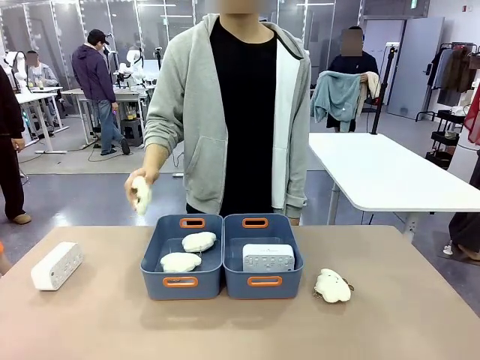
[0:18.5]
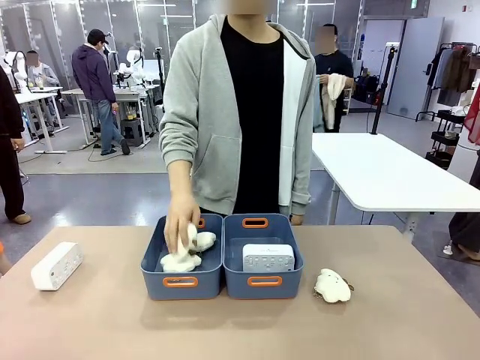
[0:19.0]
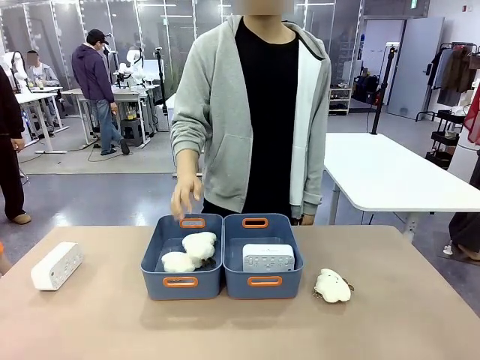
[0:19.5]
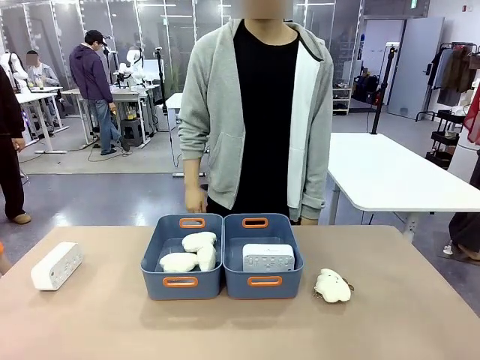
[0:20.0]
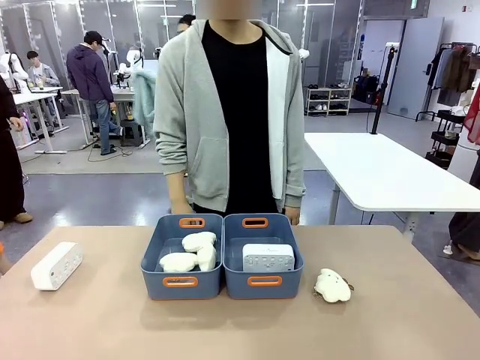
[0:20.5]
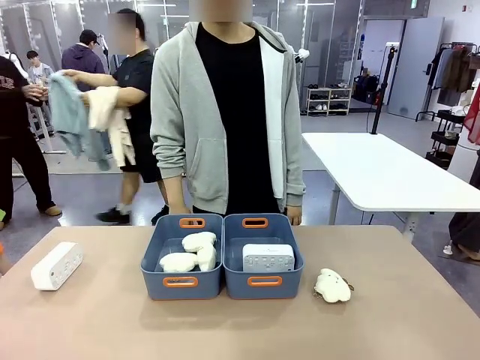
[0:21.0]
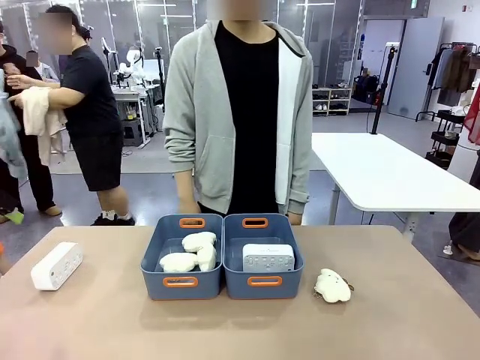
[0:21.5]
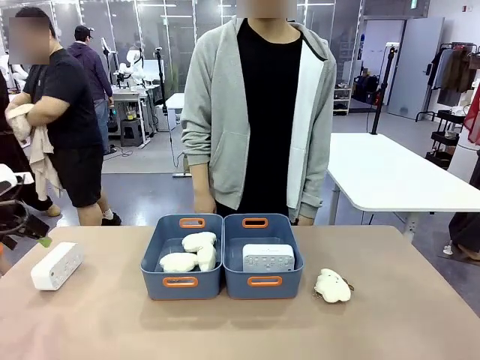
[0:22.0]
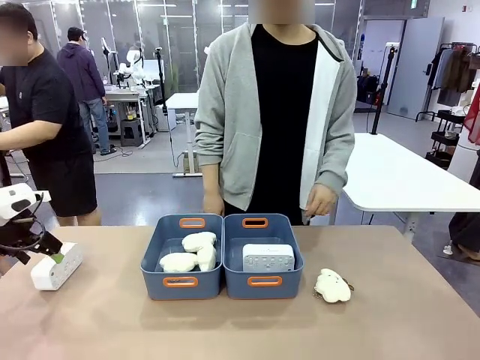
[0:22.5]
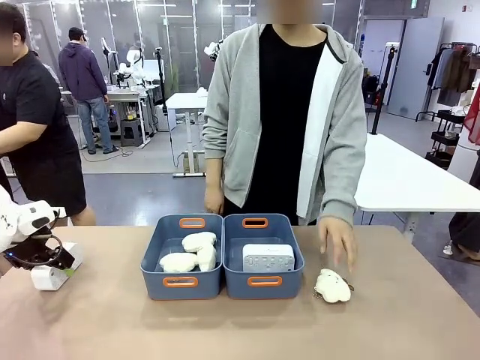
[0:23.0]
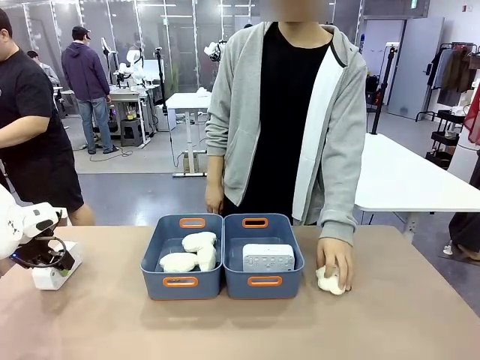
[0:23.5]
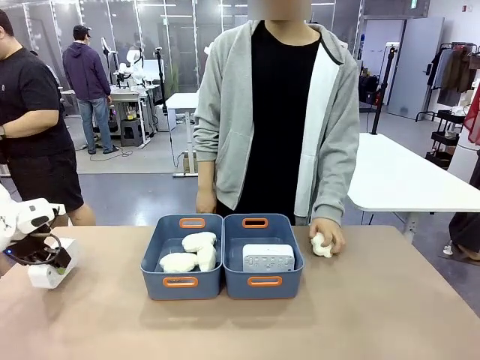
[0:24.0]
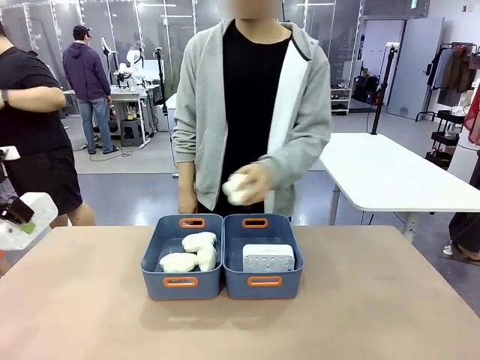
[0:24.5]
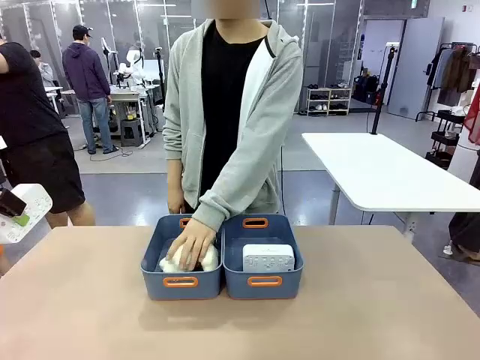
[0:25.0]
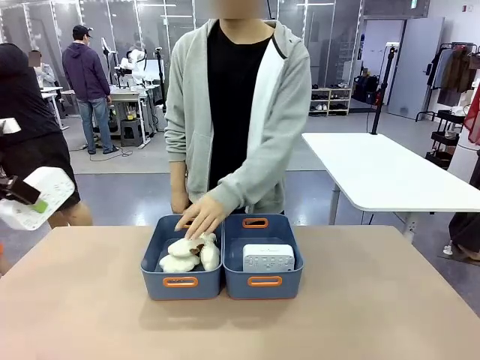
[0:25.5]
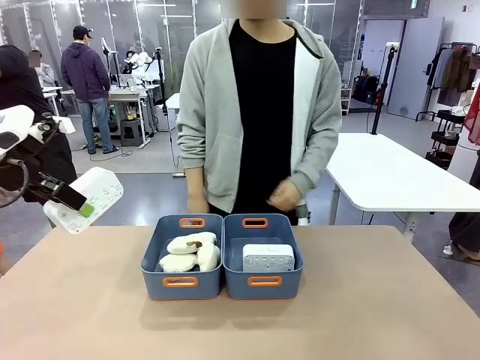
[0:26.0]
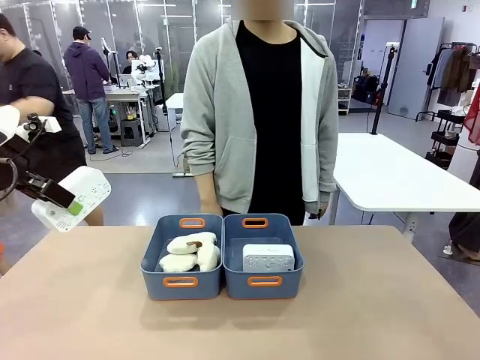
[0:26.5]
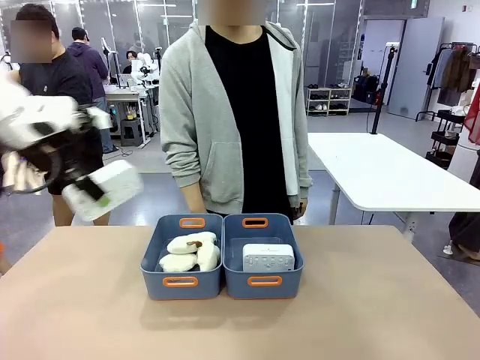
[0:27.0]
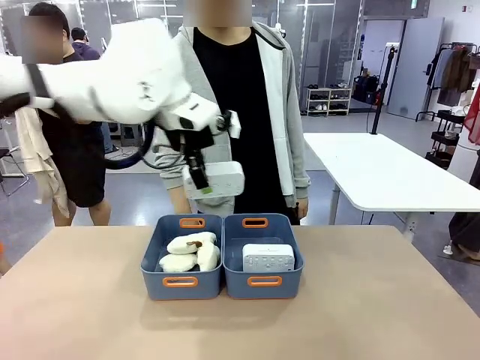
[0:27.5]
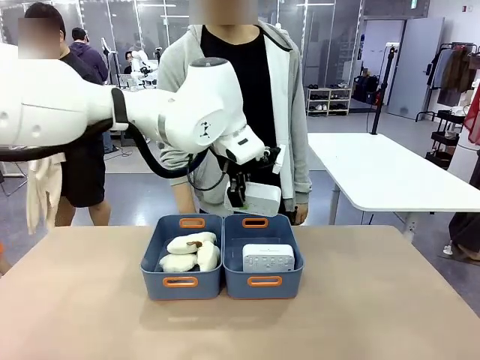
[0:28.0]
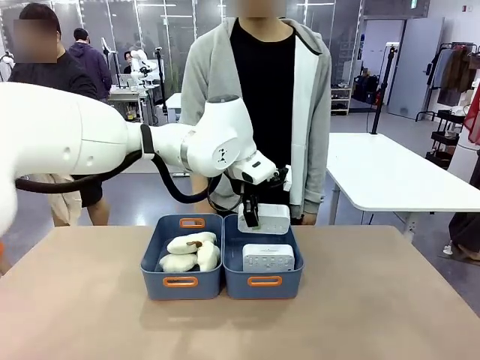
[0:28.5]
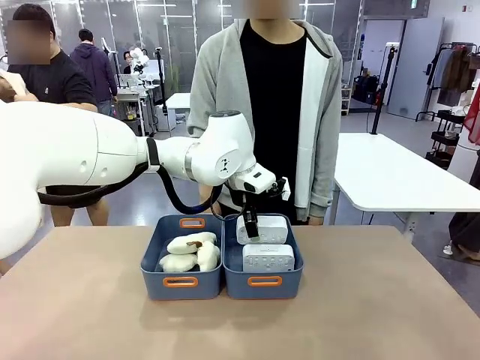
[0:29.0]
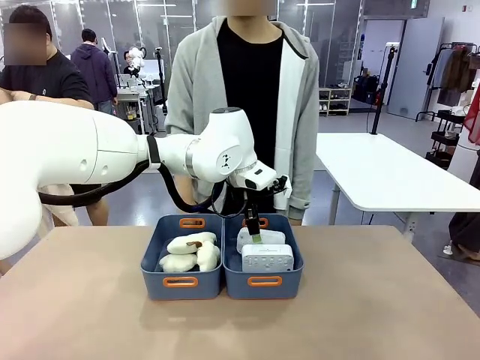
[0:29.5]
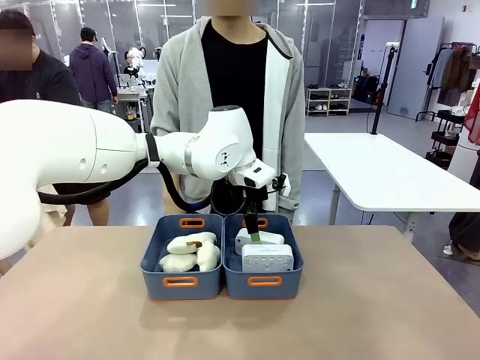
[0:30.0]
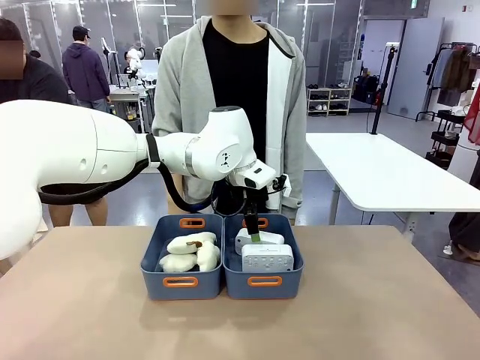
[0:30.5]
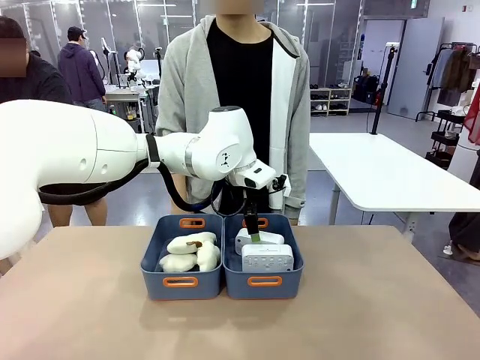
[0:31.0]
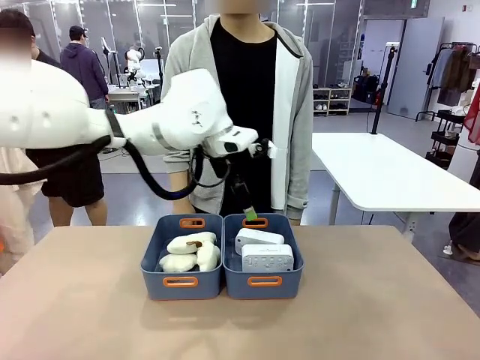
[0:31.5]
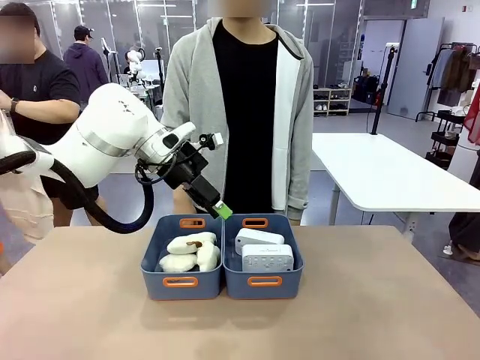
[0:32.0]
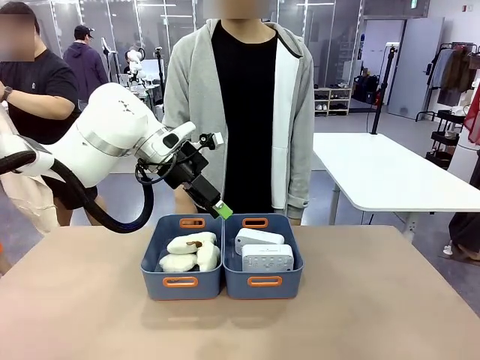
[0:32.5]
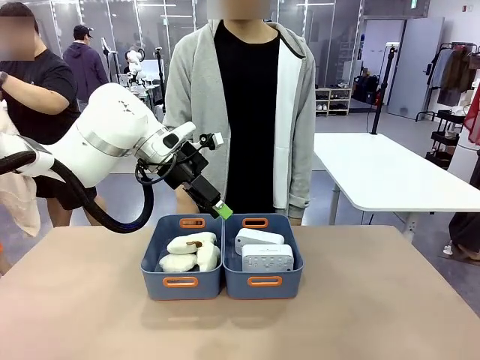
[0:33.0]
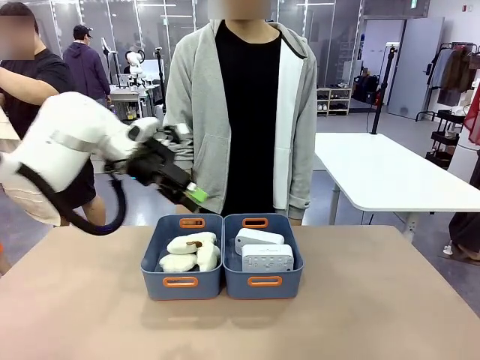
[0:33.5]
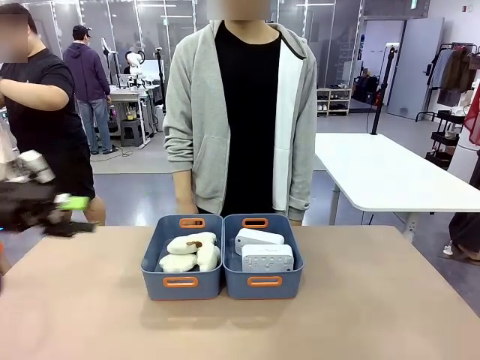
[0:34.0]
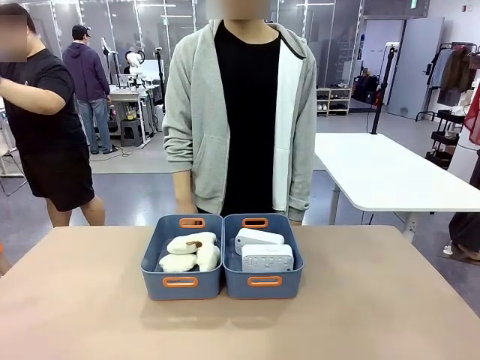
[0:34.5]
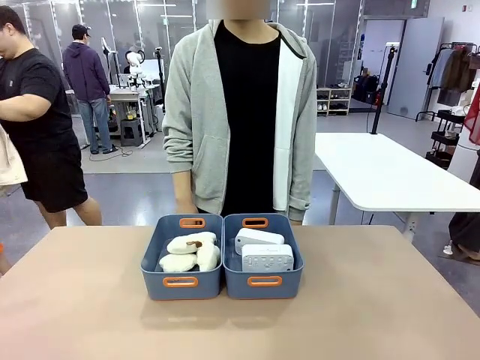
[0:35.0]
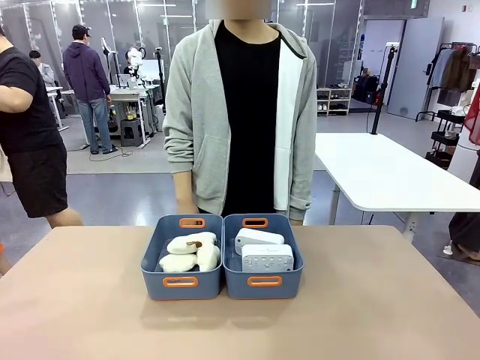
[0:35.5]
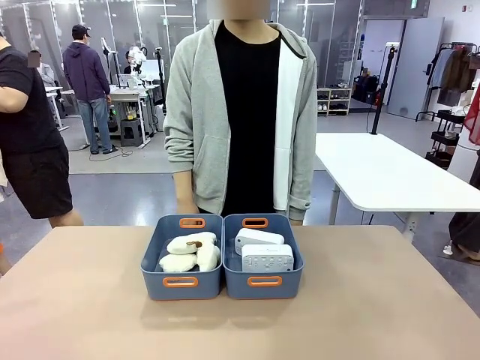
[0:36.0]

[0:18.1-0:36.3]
Task: Sort the digital clocks into the basket.
Robot: Pick up the Digital clock from the table and place it into the empty Plastic storage basket.
Person: Pick up a plush toy from the table and place it in the plastic storage basket containing the plush toy.

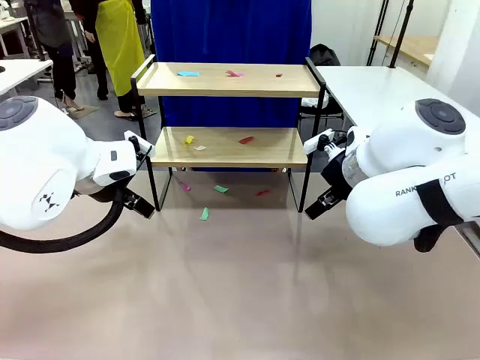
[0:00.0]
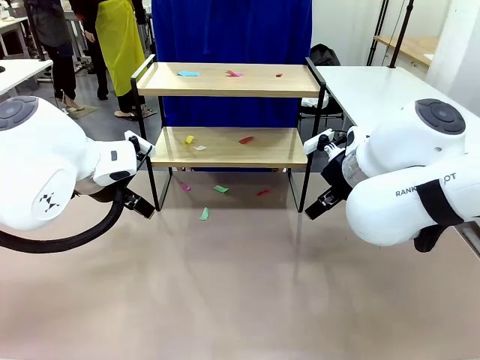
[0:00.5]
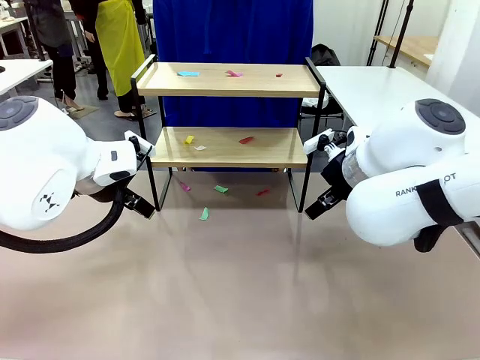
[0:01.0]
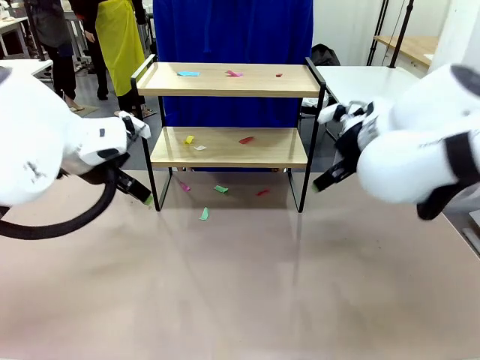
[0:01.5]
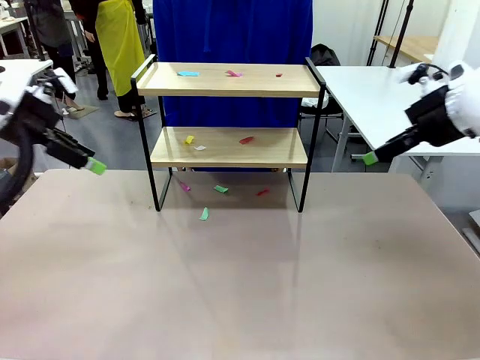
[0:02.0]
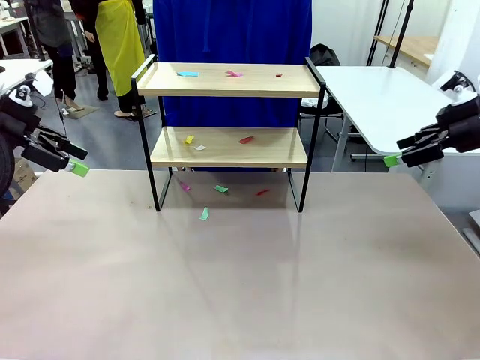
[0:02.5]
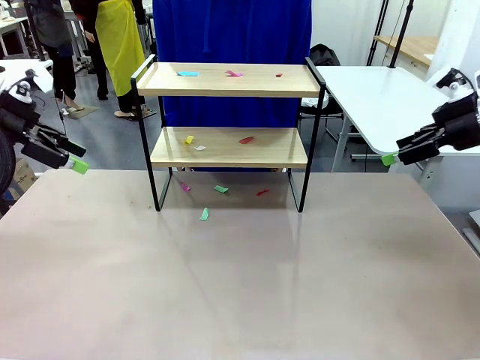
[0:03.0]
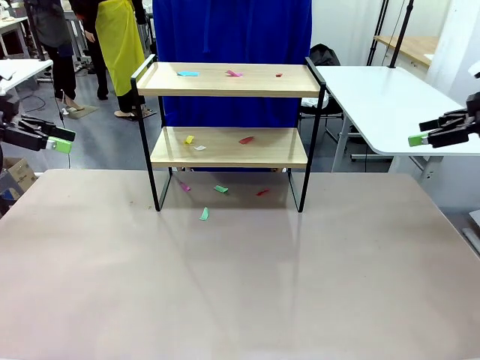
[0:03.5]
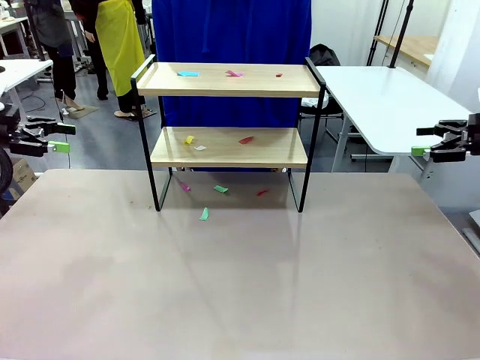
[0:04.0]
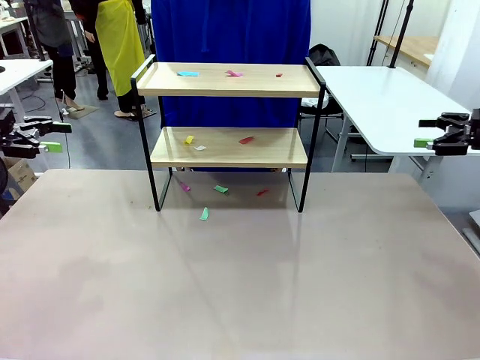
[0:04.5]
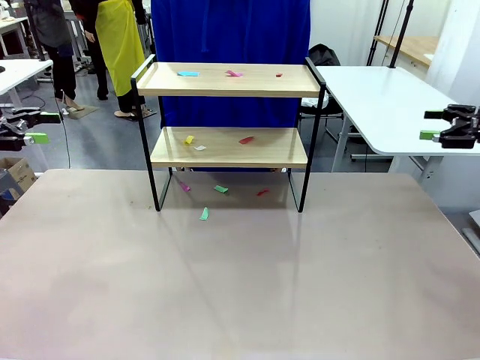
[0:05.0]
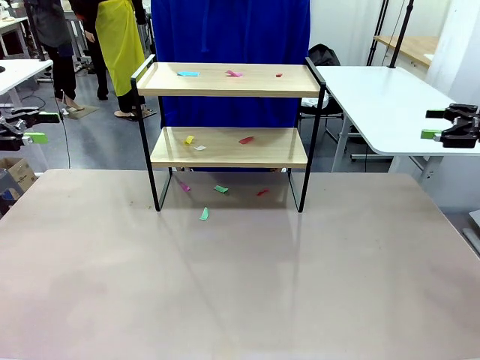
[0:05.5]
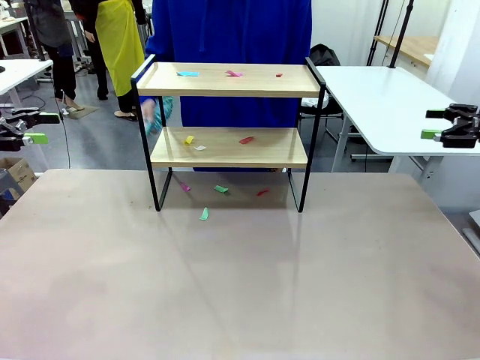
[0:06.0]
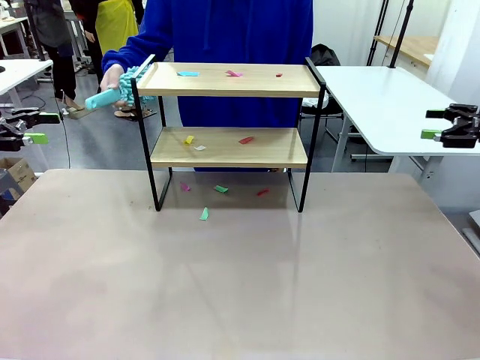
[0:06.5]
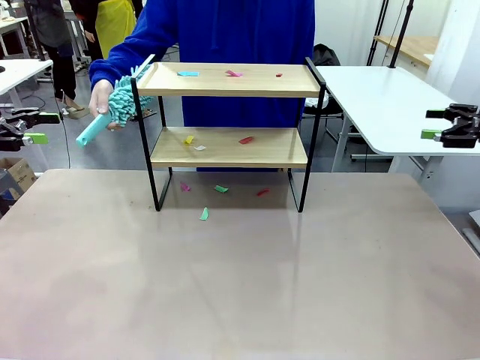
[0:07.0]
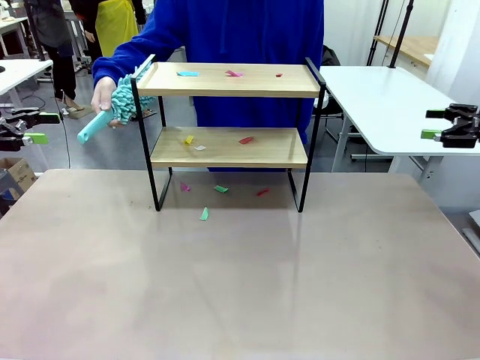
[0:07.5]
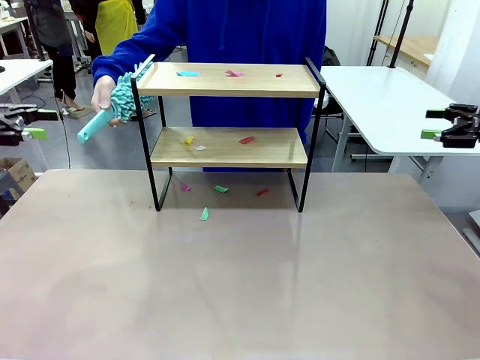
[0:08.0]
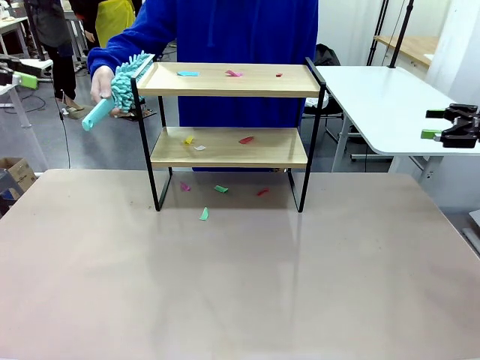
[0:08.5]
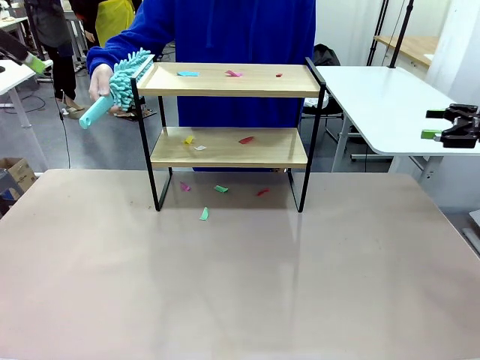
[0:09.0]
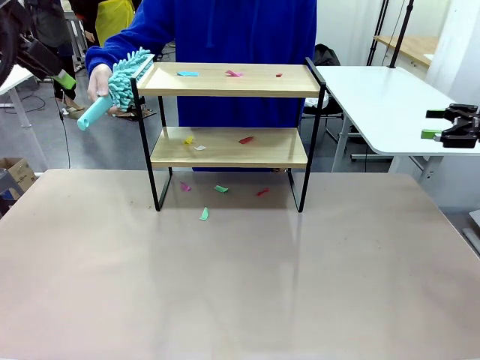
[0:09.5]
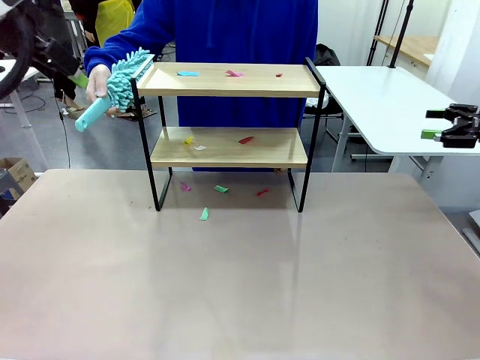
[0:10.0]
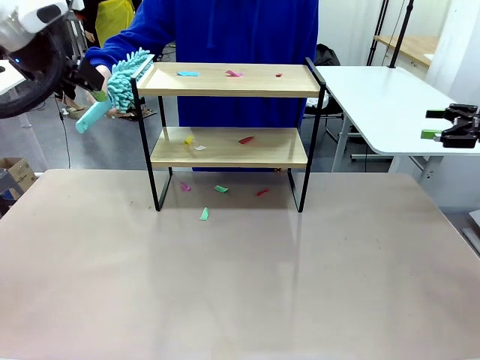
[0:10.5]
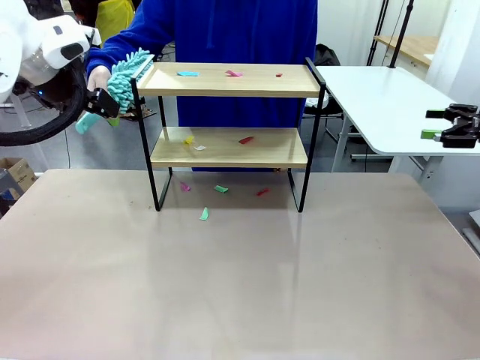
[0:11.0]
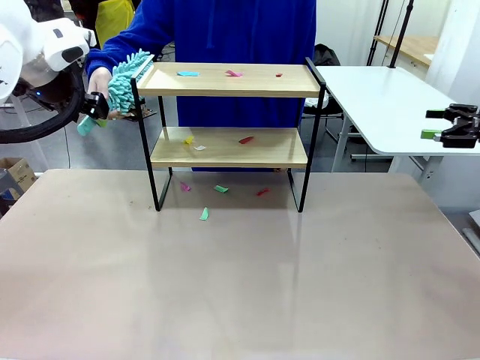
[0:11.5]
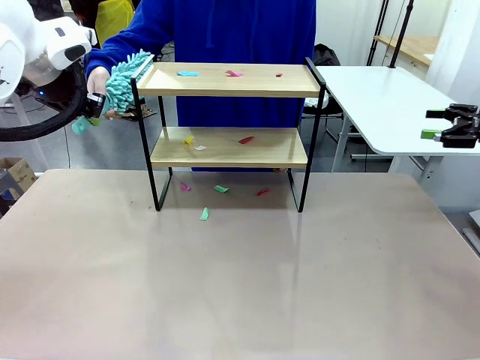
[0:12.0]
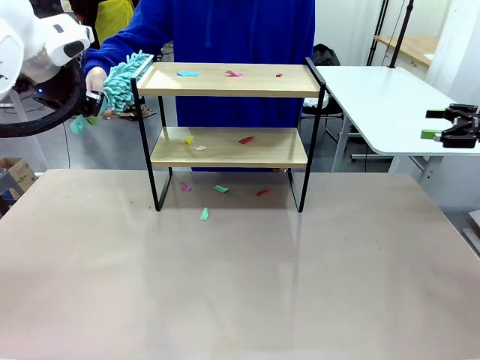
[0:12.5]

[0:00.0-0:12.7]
Task: Clean the shelf.
Robot: Pick up the Duster handed by the human.
Person: Hand the Duster to the robot.
